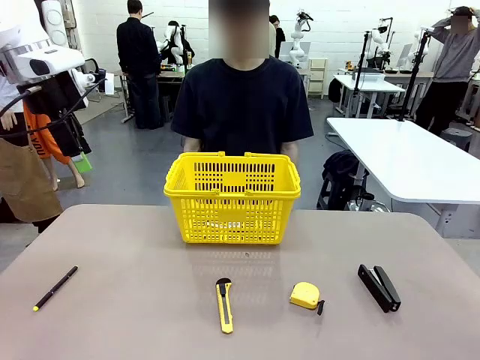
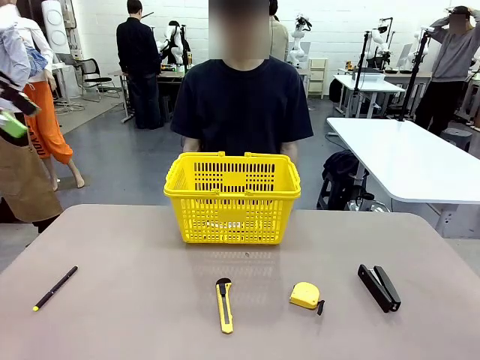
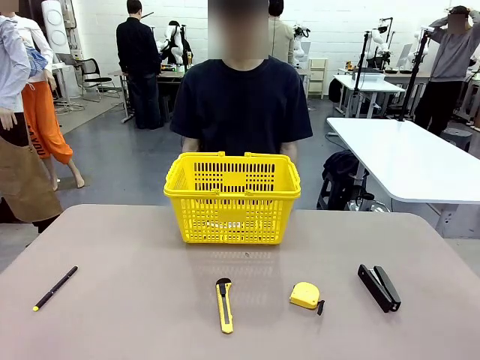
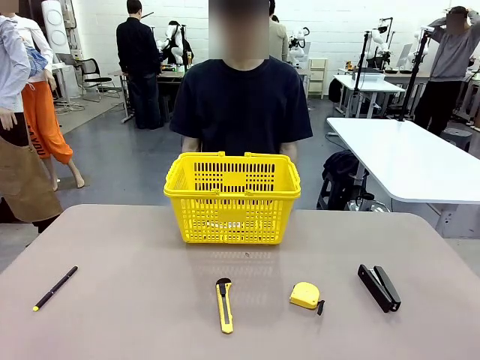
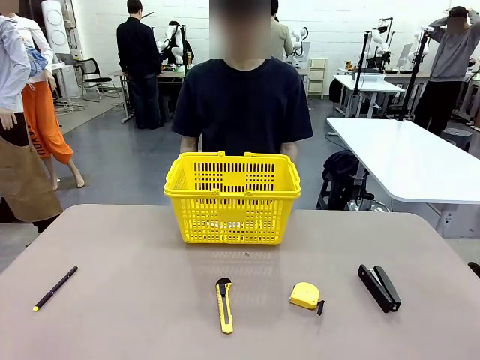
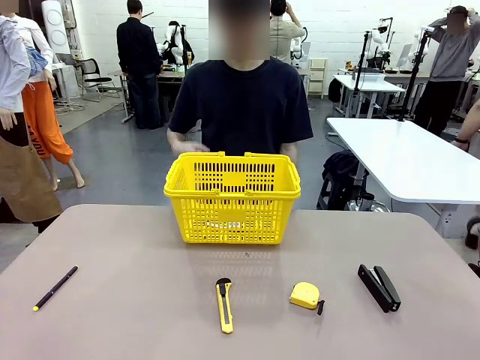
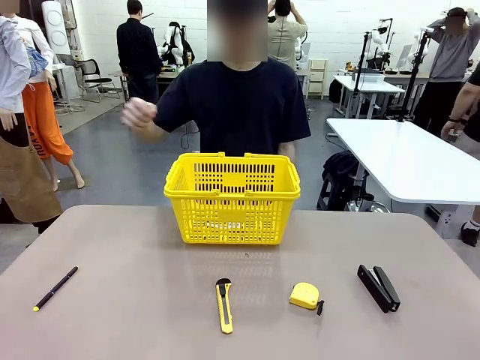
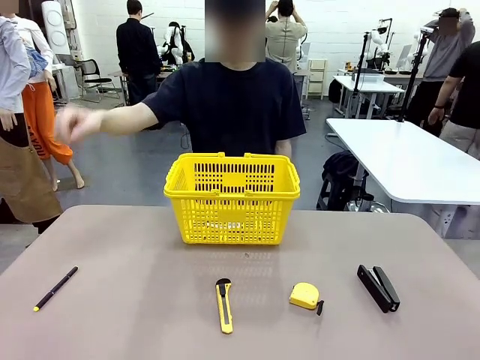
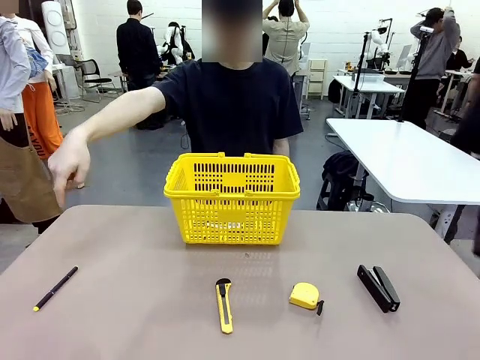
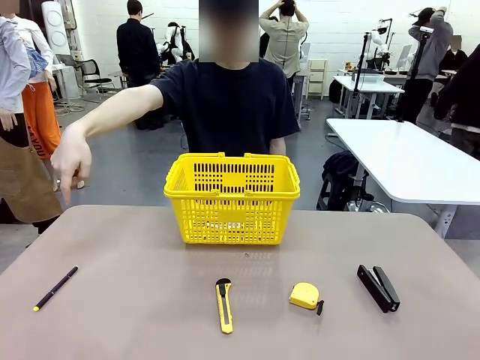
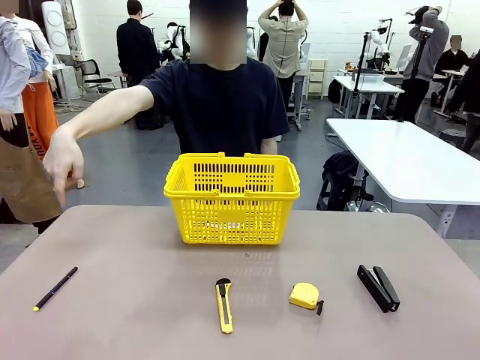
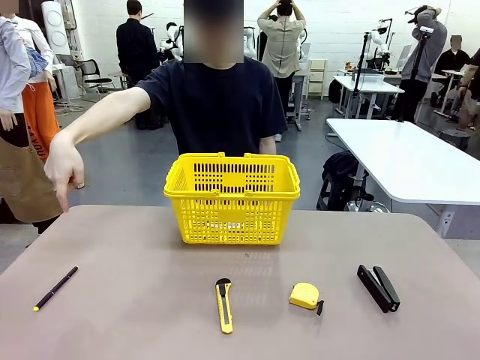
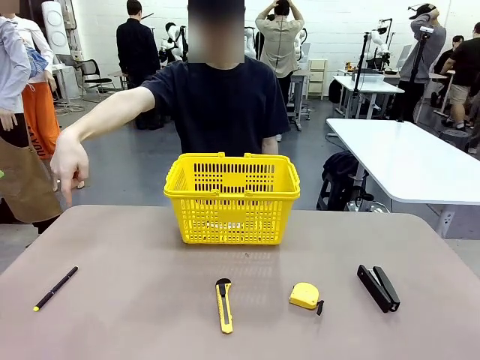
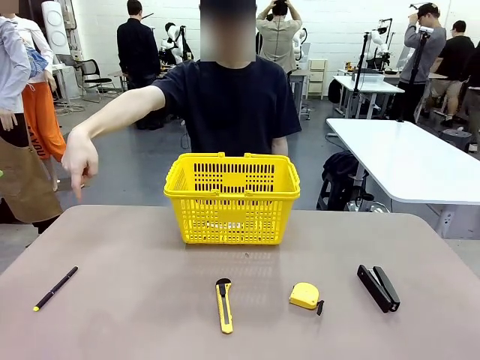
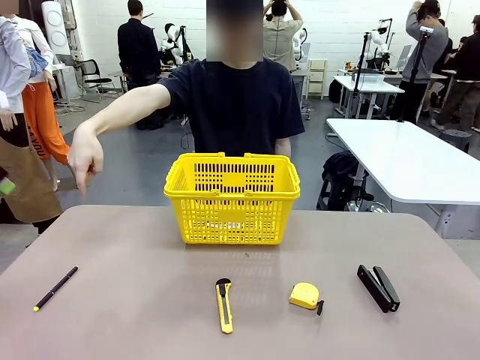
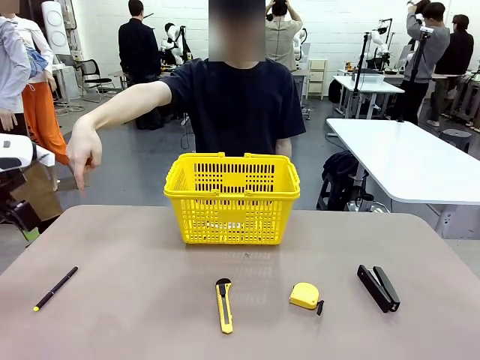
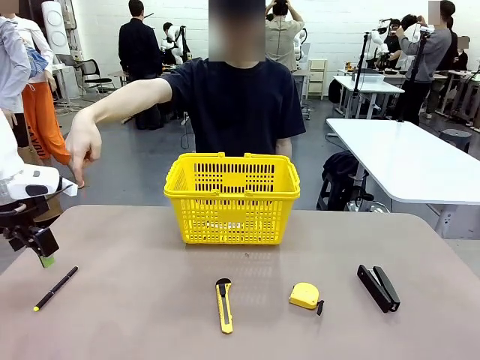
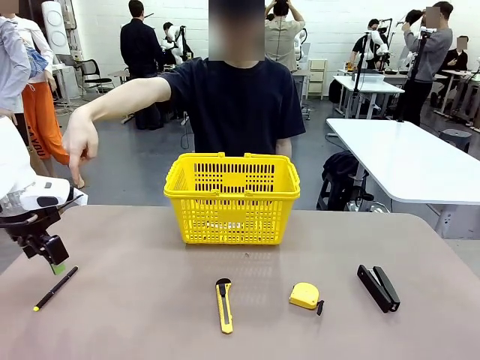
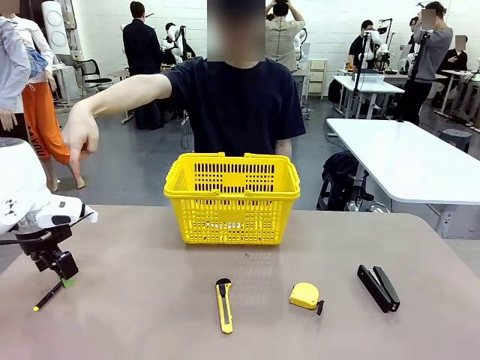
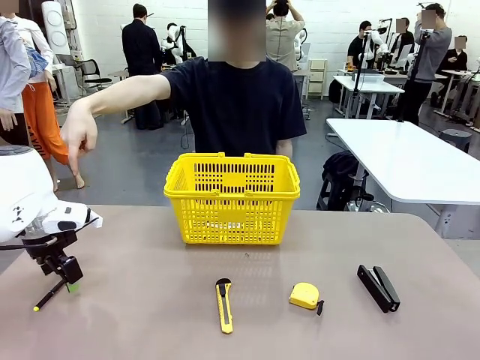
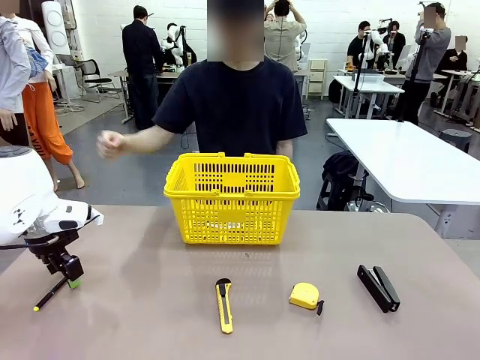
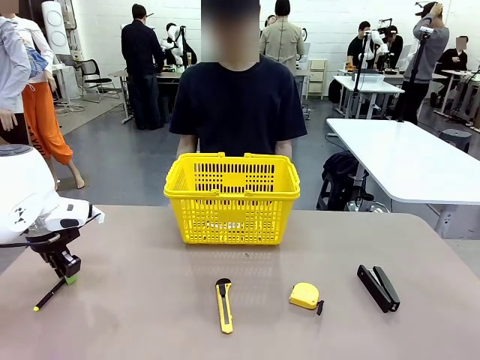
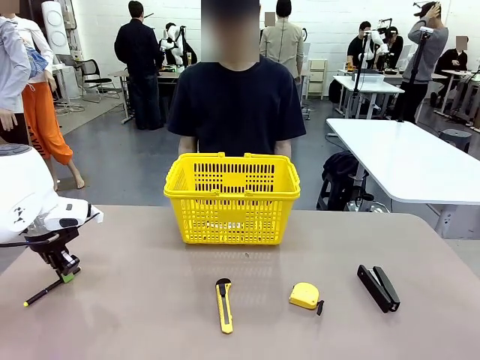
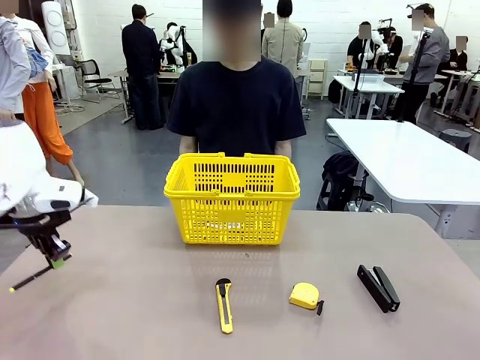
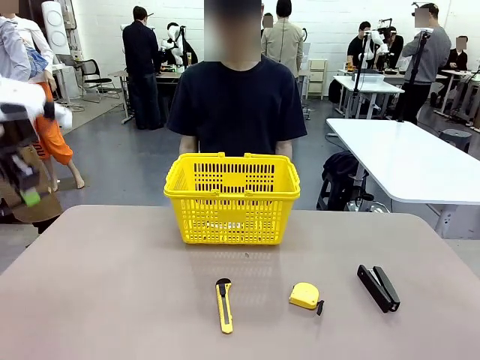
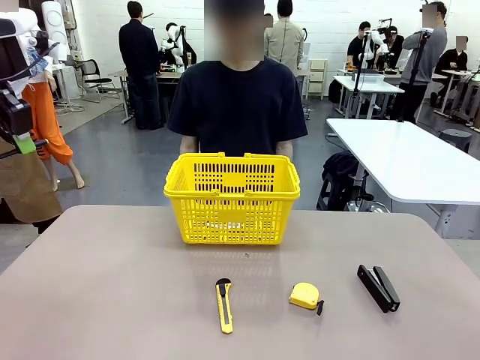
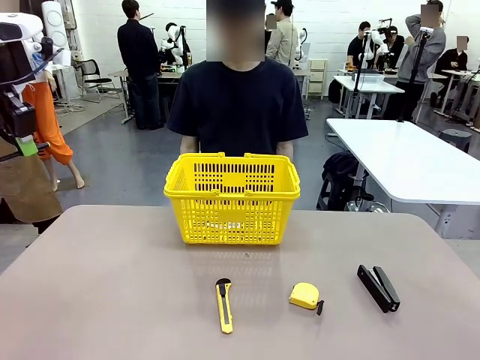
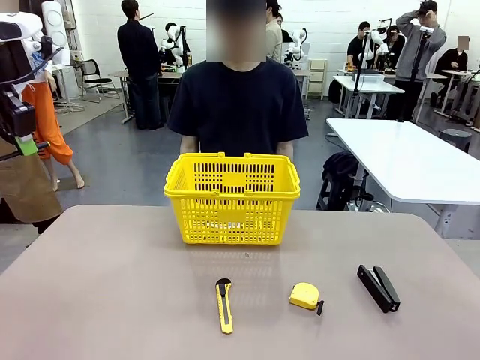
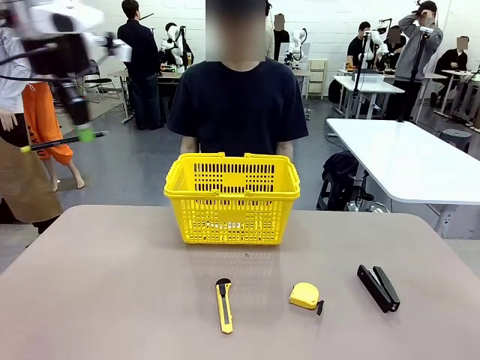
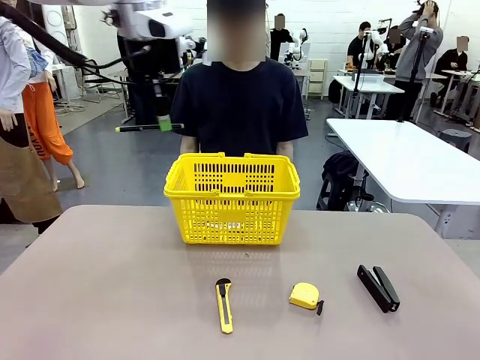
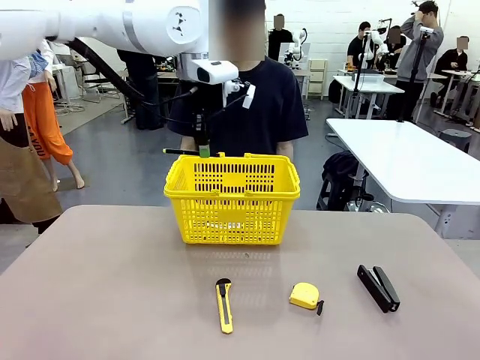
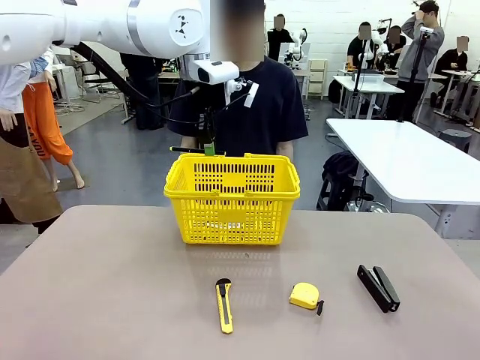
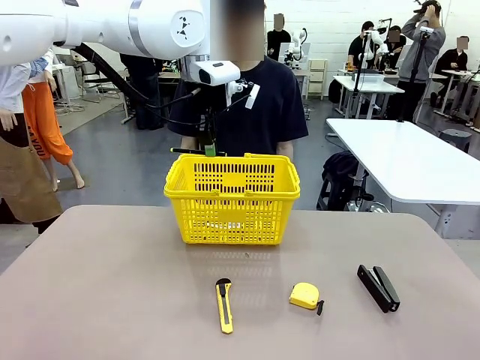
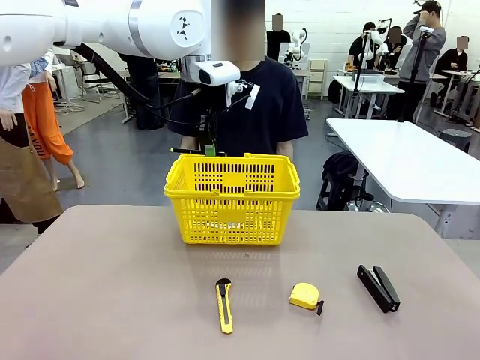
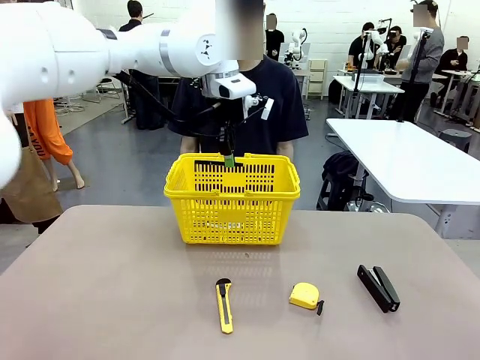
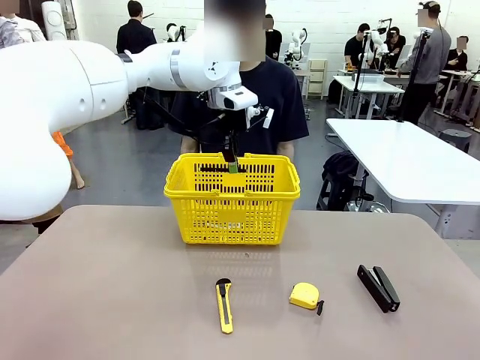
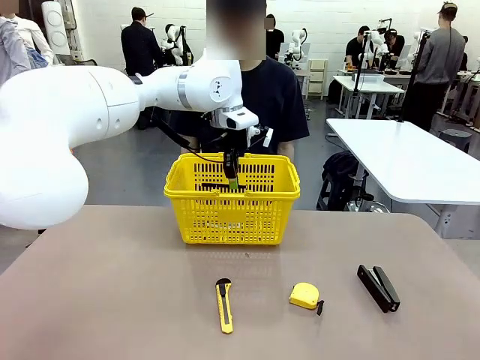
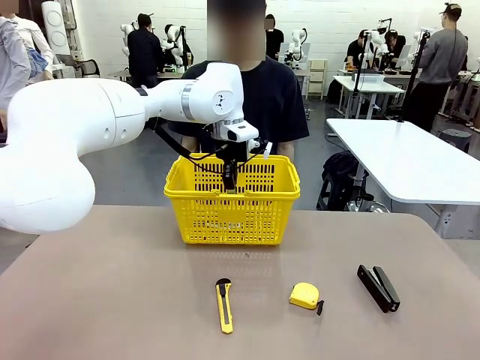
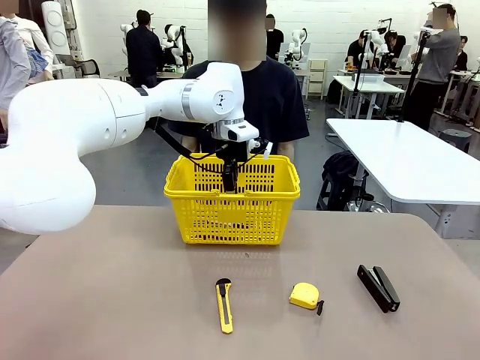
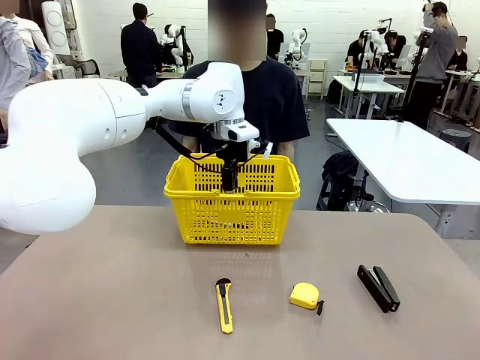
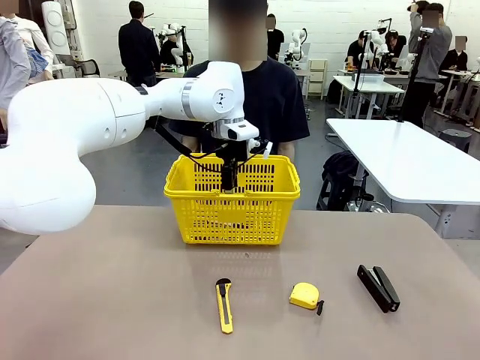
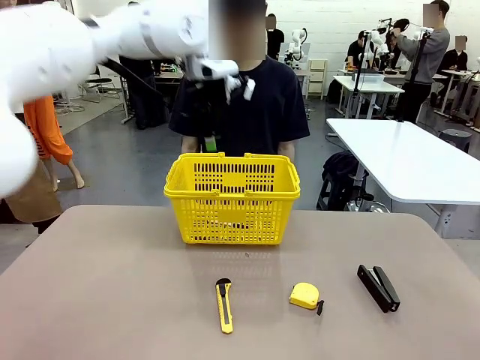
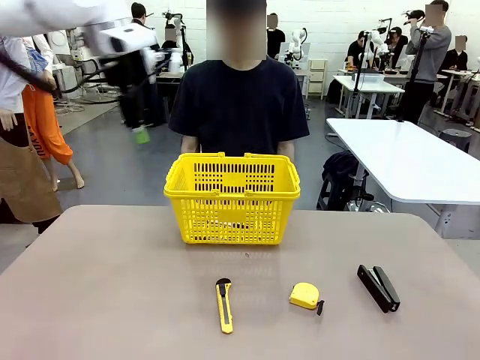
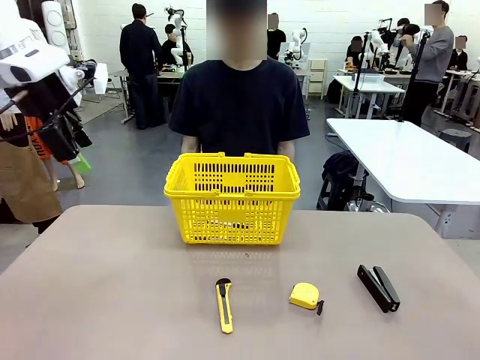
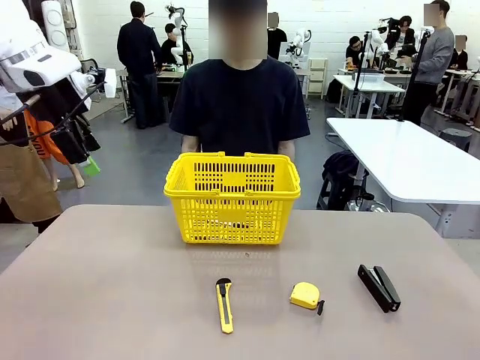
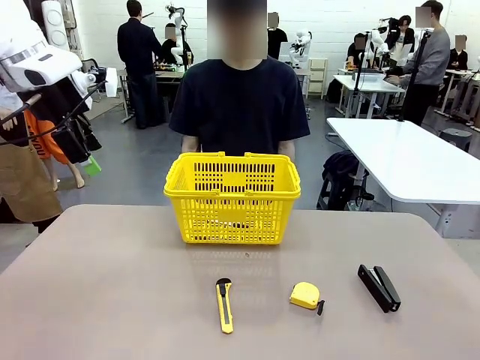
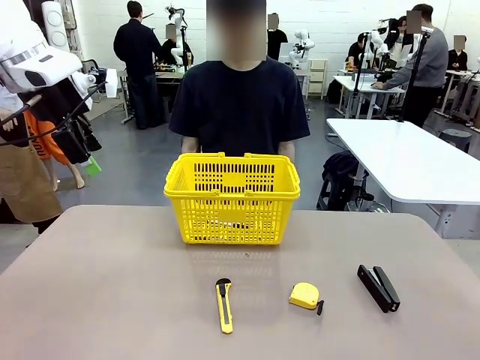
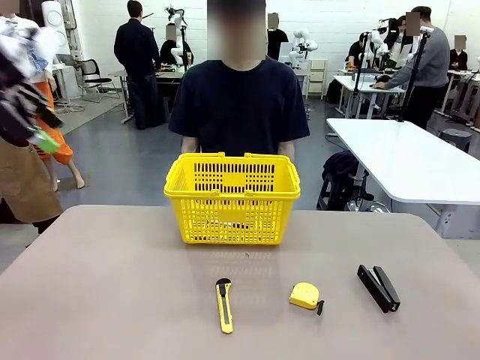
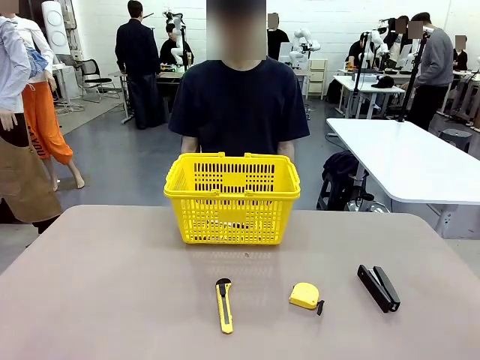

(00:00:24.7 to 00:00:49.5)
Task: Place the items the person wants into the basket.
Robot: Pick up the item the person points to and place it in the Market Basket.
